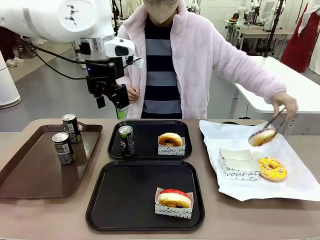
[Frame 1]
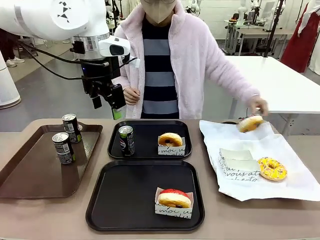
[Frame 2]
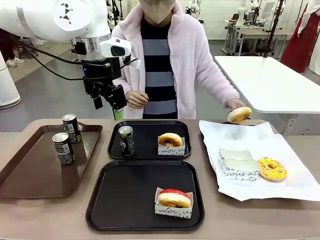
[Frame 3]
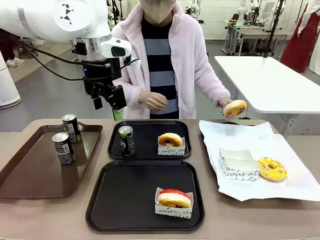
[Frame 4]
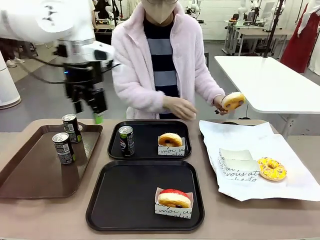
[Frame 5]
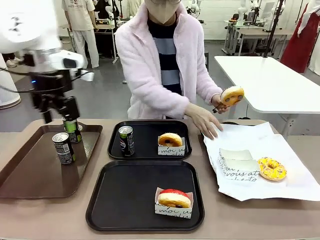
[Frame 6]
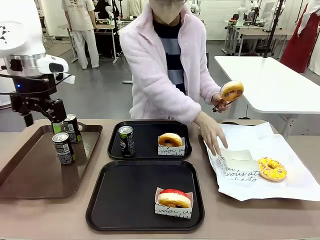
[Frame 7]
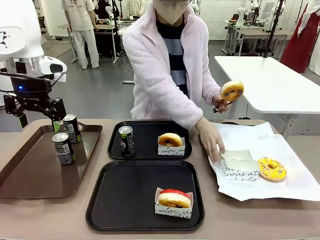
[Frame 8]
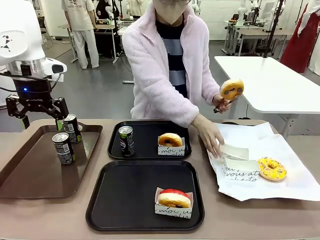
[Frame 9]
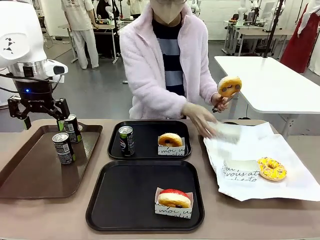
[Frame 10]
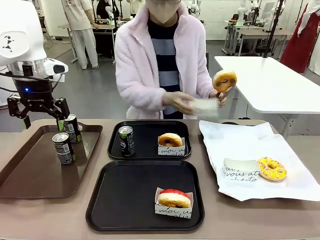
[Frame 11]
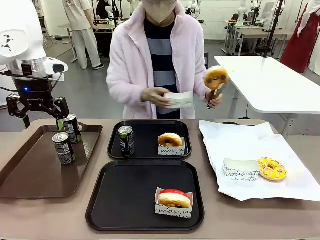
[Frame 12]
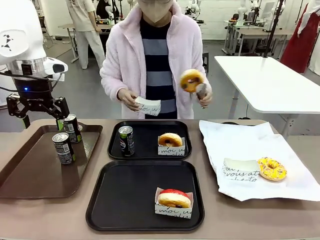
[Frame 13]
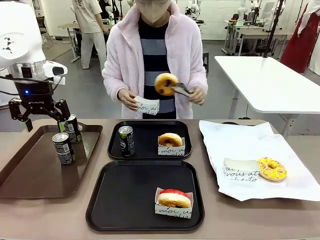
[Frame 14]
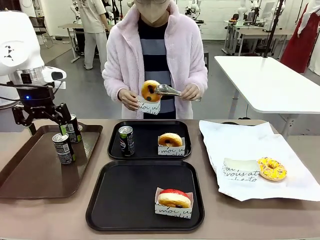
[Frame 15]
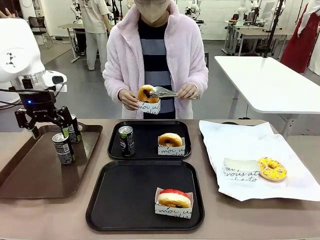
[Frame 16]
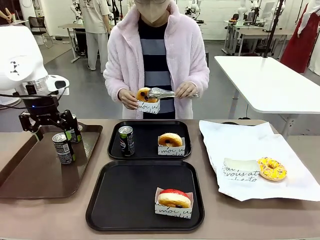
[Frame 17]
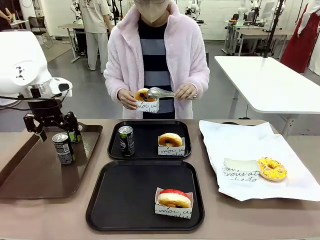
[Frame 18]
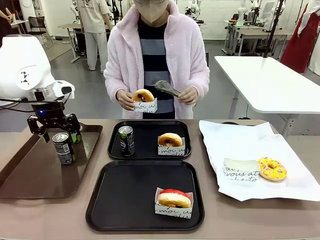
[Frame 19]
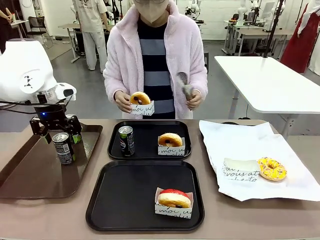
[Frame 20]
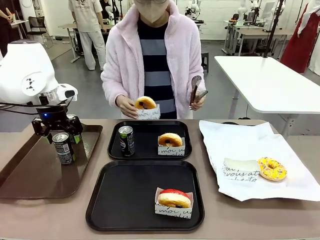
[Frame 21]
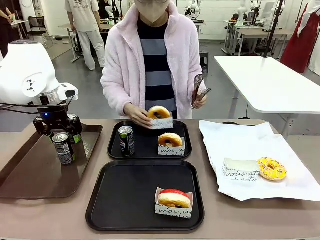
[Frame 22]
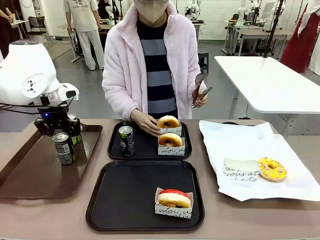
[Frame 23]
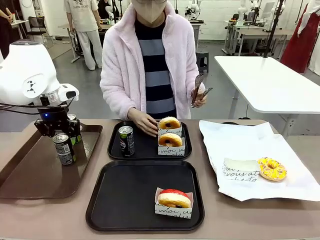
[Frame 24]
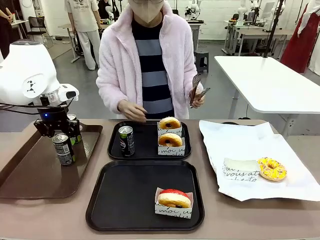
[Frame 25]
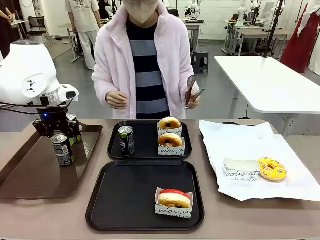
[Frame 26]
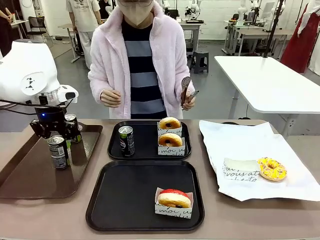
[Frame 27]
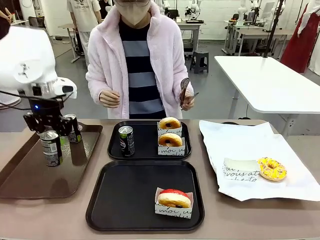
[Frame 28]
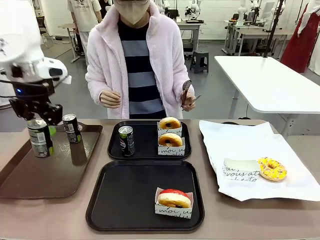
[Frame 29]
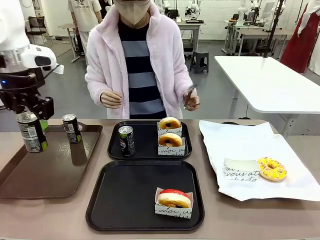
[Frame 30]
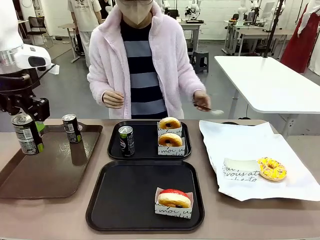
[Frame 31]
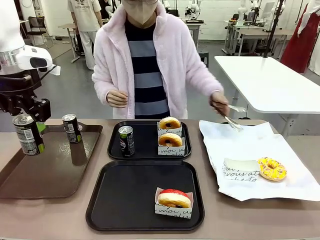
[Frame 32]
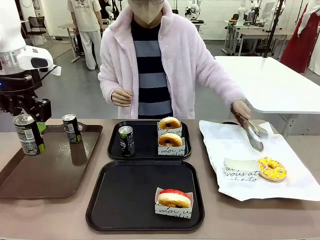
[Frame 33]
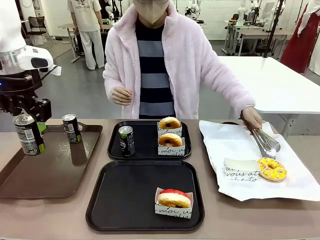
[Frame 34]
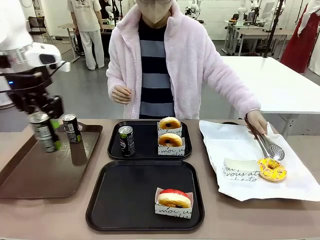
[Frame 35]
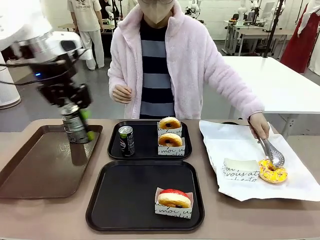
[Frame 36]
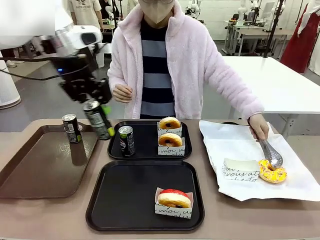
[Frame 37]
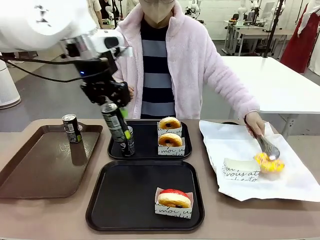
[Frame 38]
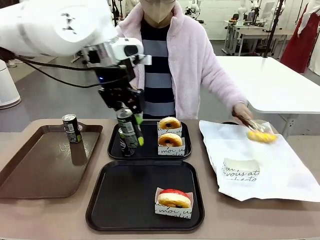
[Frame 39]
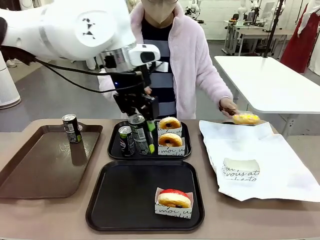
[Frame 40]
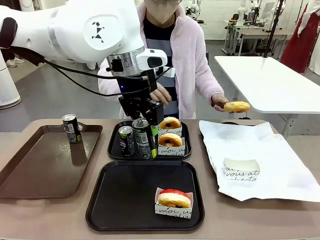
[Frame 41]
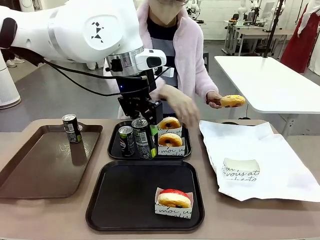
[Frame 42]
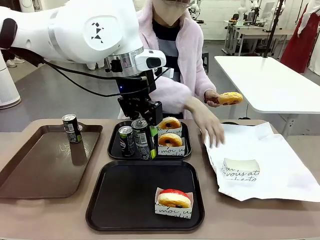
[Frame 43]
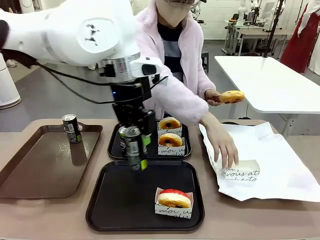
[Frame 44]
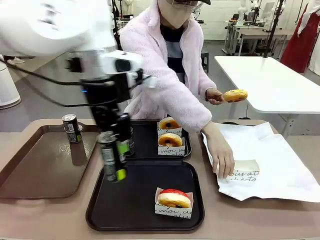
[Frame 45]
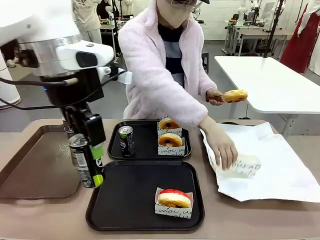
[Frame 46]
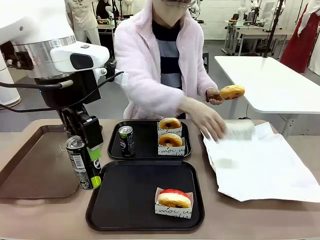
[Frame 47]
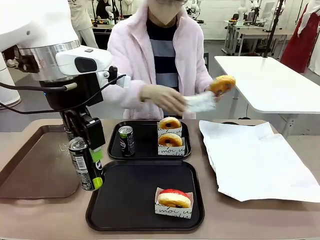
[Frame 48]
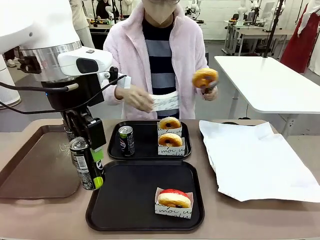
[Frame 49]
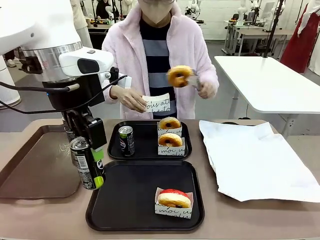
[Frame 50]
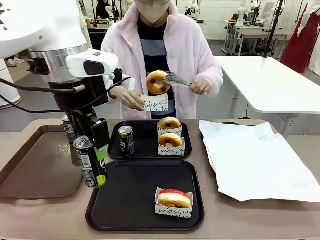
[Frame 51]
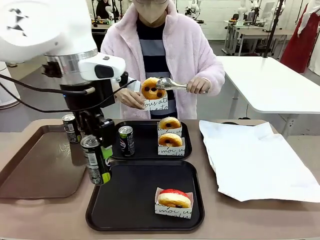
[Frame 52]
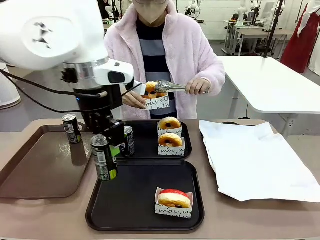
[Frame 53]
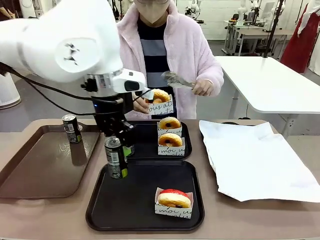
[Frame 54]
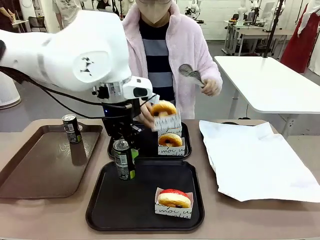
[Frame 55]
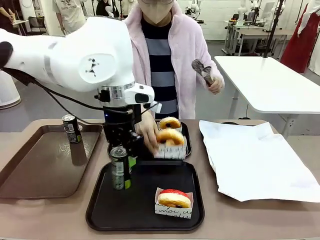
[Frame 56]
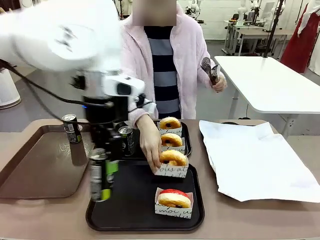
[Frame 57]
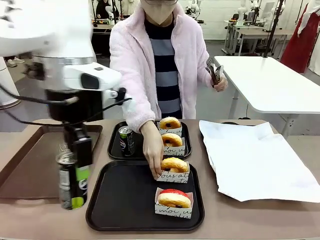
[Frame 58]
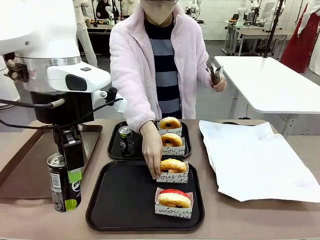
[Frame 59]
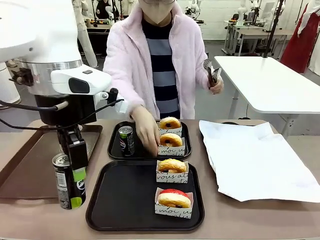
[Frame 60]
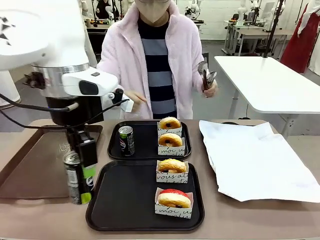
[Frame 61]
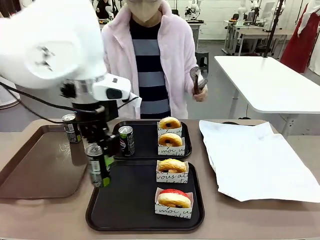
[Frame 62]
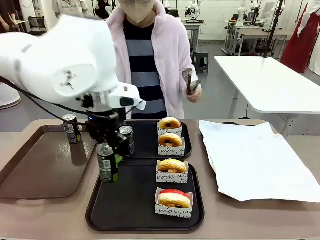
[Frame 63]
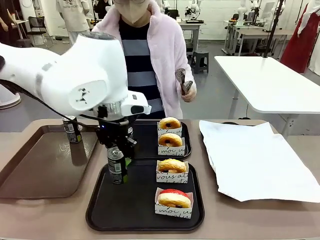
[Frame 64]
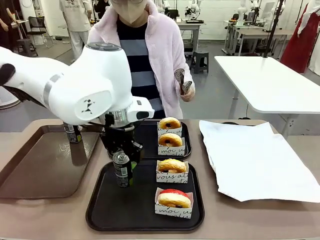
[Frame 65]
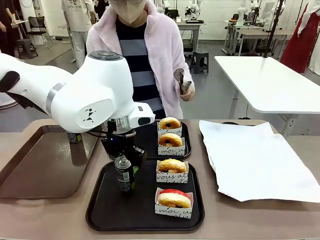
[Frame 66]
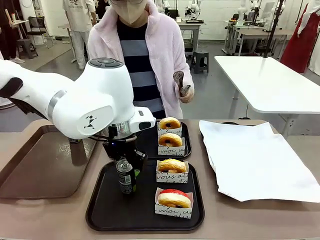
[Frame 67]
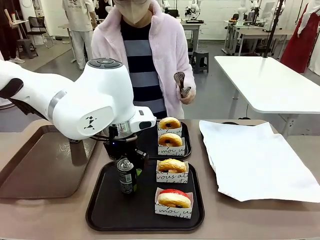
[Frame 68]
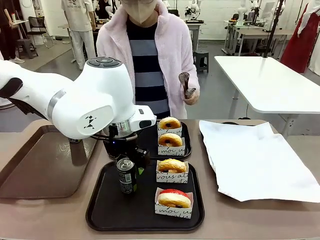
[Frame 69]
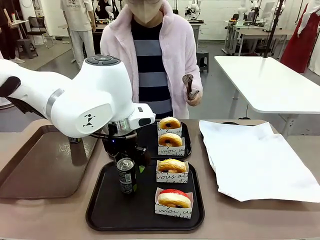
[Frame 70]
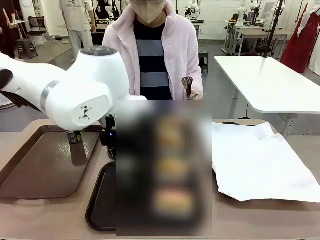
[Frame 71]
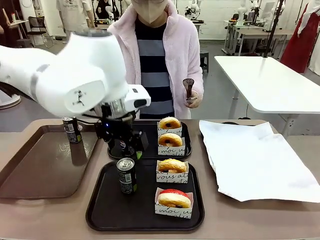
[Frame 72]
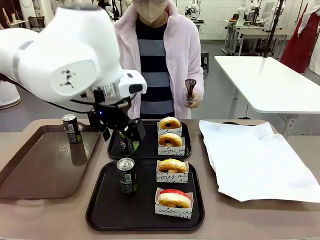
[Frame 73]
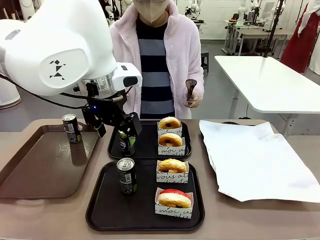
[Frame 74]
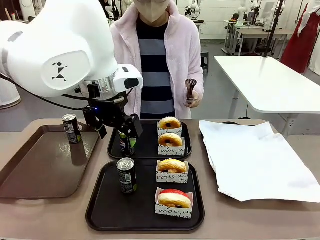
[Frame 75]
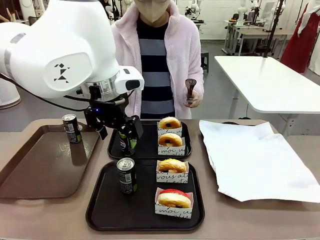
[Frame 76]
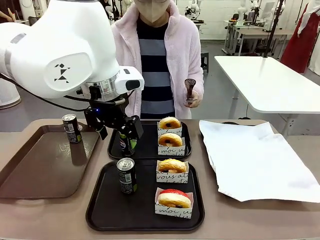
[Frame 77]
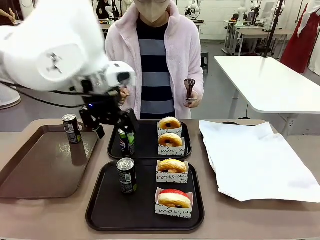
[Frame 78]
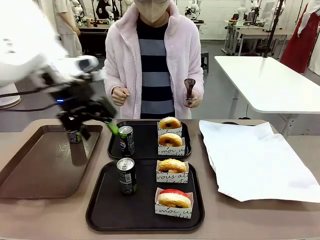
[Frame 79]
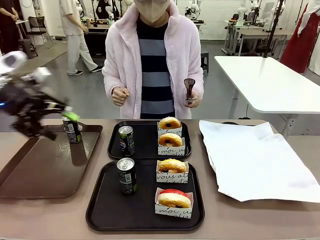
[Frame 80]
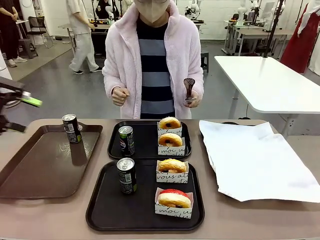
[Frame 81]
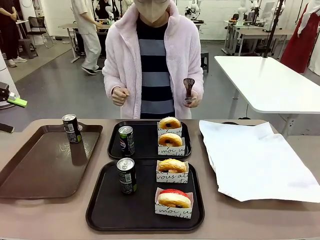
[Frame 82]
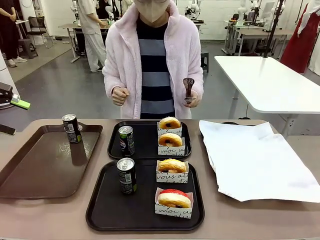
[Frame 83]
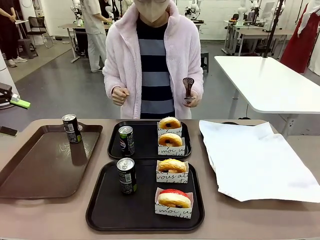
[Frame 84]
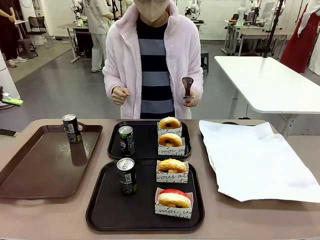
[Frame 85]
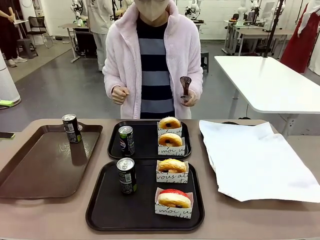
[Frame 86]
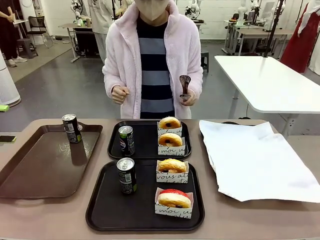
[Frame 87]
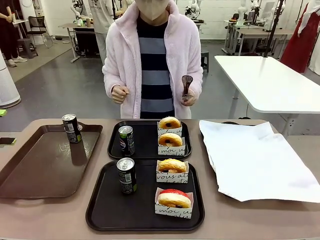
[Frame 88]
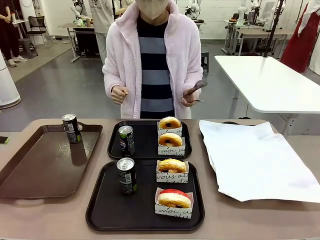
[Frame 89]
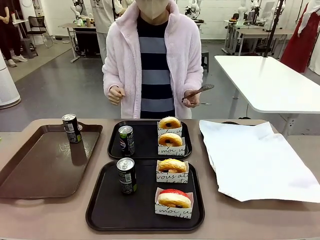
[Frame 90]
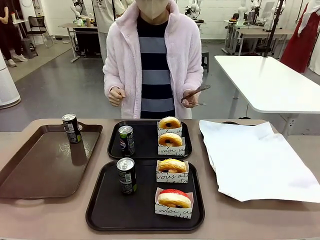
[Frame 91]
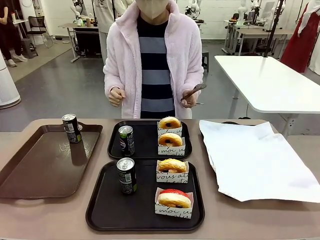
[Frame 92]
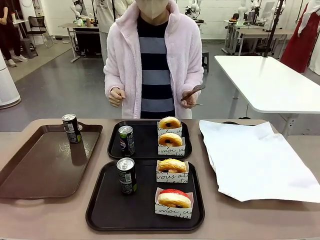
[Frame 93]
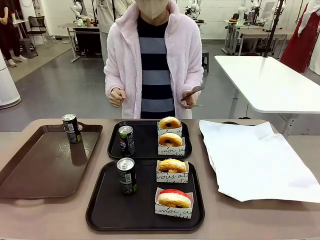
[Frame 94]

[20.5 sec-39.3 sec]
Task: Set up donuts and drinks on trays.
Robot: Pick up one Pepsi coke from the Handle tray and place it on the Flat Tray without a Pepsi coke.
